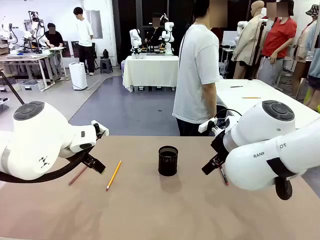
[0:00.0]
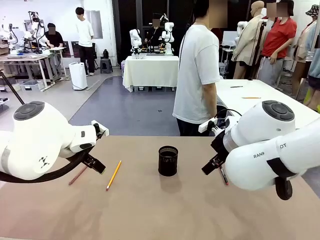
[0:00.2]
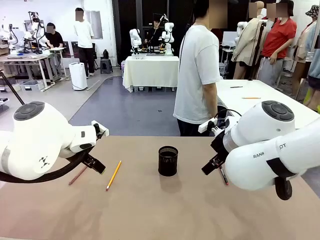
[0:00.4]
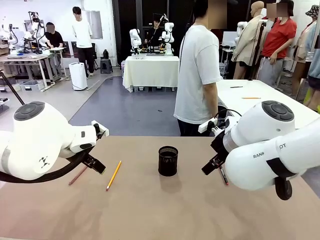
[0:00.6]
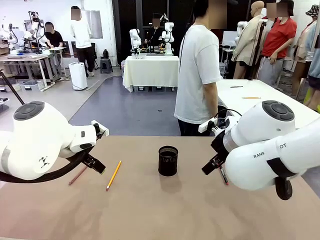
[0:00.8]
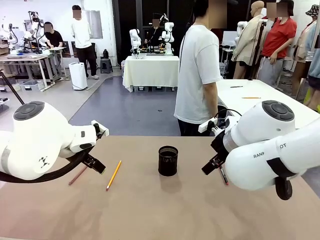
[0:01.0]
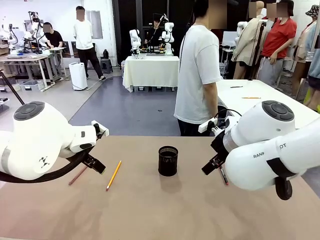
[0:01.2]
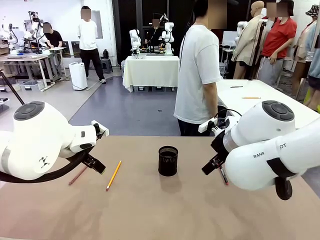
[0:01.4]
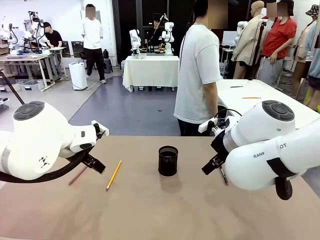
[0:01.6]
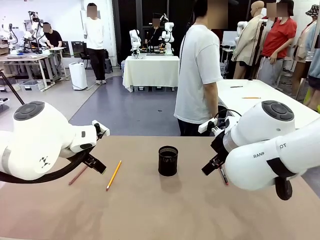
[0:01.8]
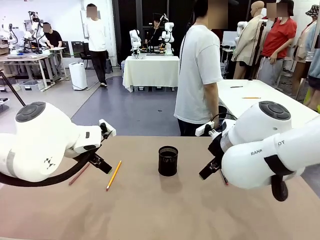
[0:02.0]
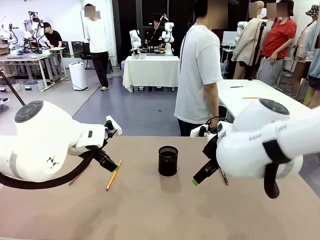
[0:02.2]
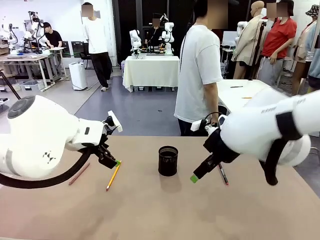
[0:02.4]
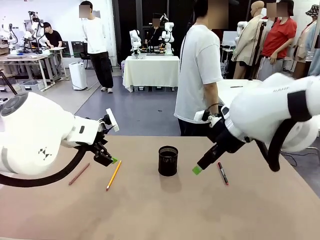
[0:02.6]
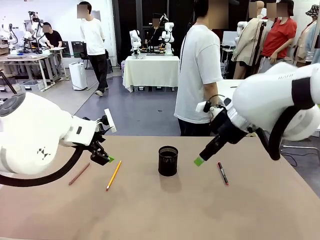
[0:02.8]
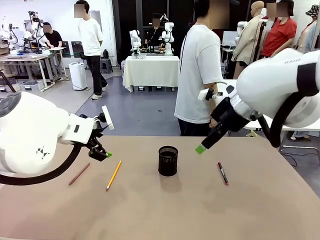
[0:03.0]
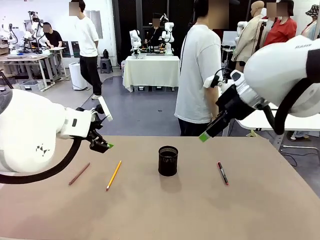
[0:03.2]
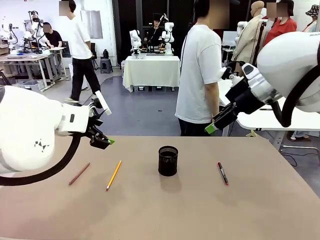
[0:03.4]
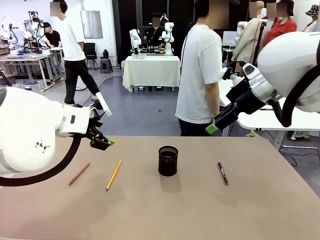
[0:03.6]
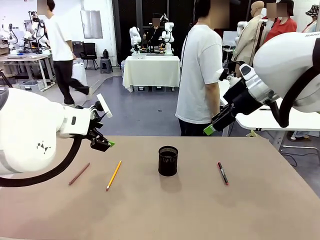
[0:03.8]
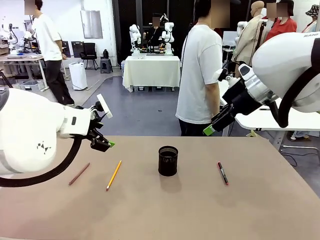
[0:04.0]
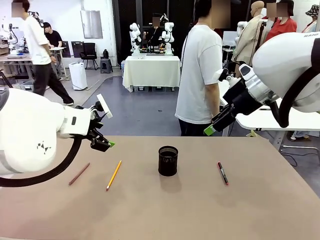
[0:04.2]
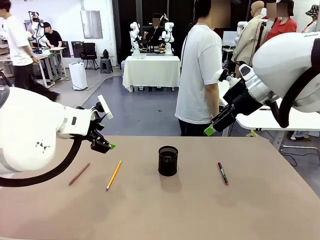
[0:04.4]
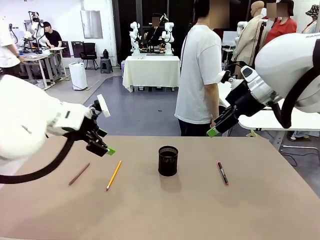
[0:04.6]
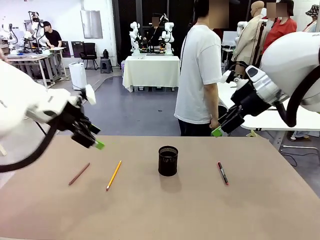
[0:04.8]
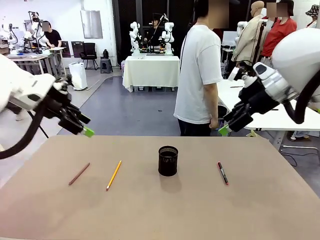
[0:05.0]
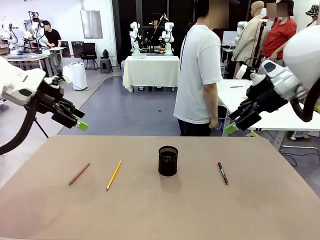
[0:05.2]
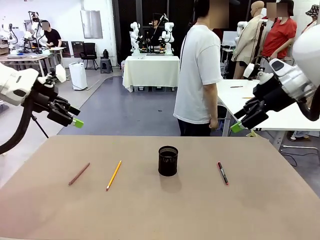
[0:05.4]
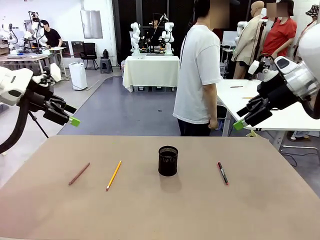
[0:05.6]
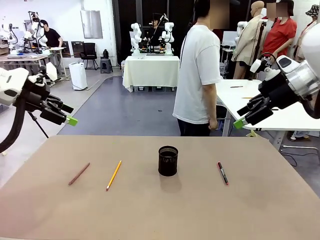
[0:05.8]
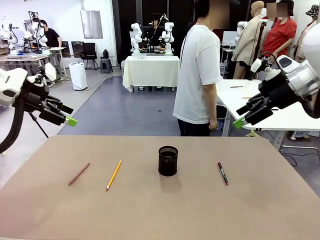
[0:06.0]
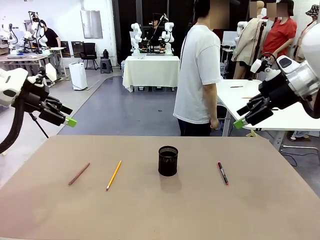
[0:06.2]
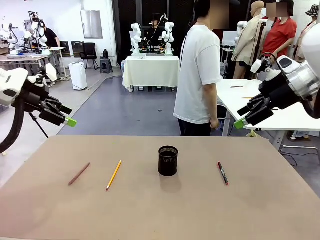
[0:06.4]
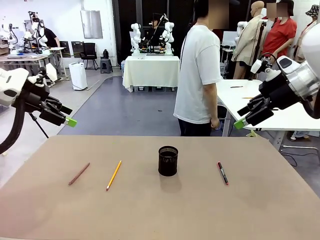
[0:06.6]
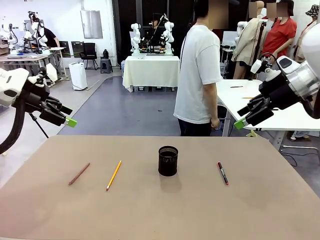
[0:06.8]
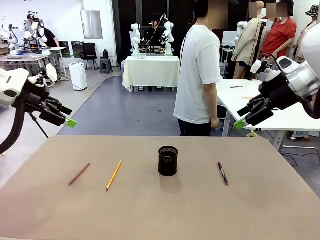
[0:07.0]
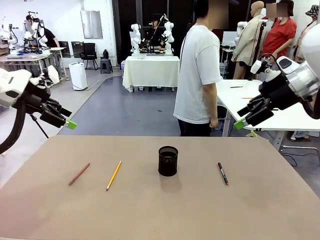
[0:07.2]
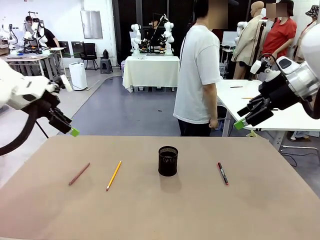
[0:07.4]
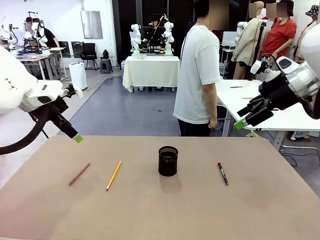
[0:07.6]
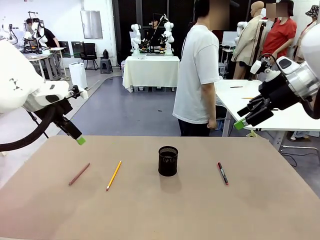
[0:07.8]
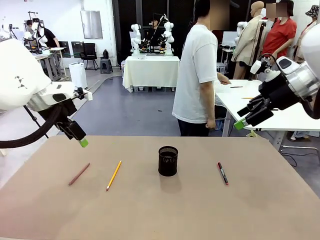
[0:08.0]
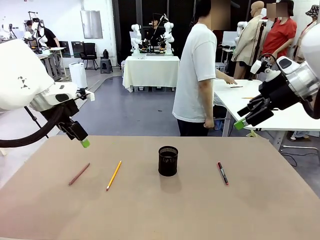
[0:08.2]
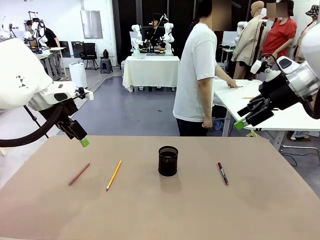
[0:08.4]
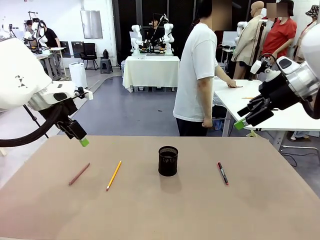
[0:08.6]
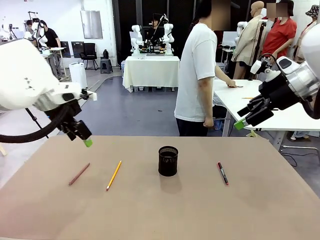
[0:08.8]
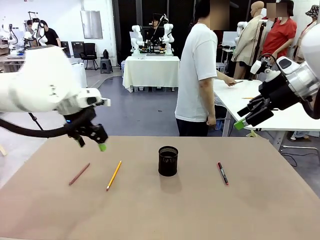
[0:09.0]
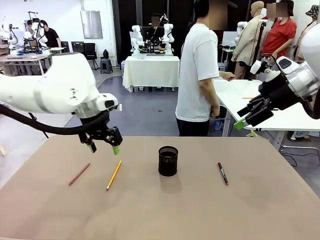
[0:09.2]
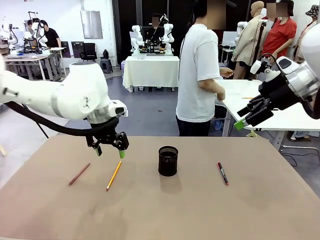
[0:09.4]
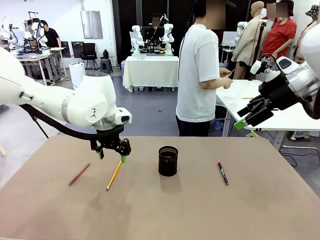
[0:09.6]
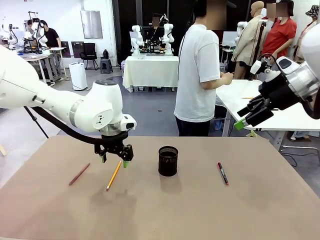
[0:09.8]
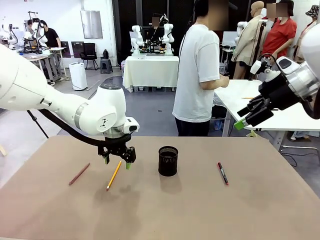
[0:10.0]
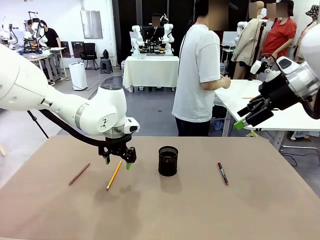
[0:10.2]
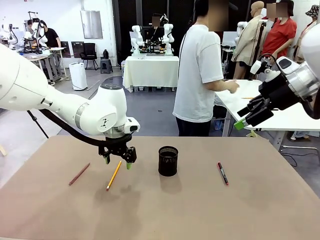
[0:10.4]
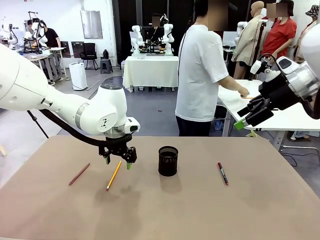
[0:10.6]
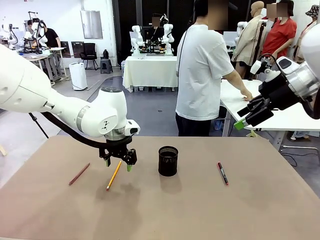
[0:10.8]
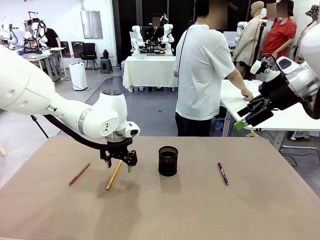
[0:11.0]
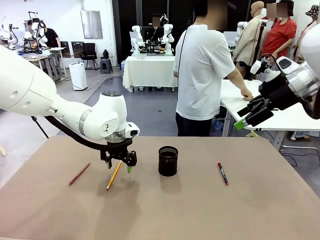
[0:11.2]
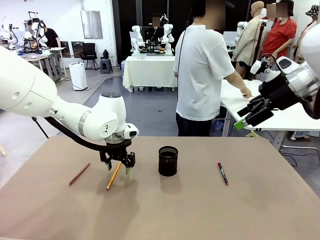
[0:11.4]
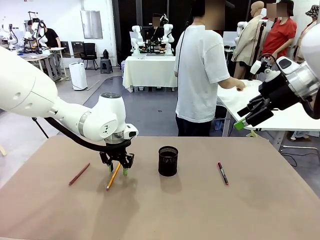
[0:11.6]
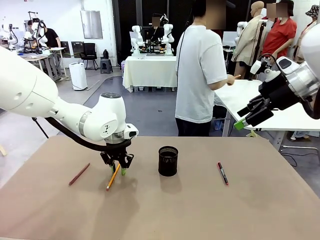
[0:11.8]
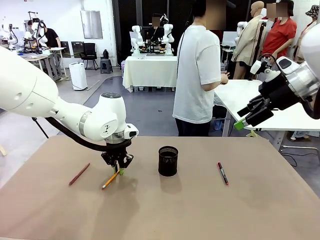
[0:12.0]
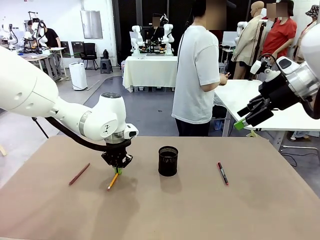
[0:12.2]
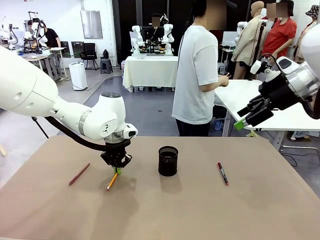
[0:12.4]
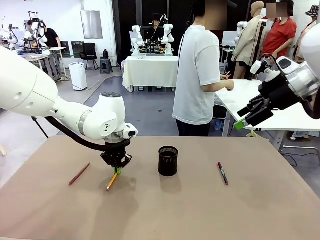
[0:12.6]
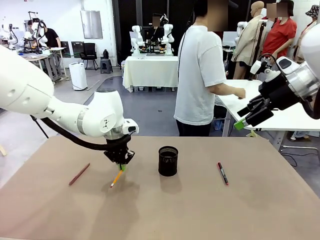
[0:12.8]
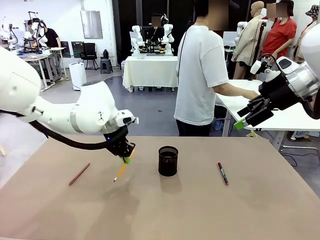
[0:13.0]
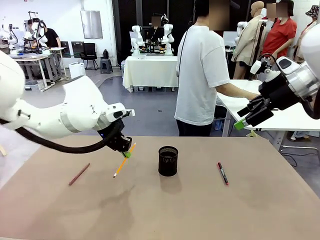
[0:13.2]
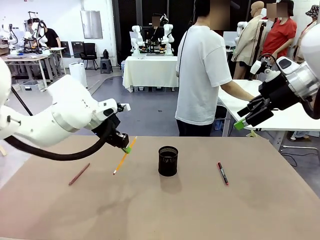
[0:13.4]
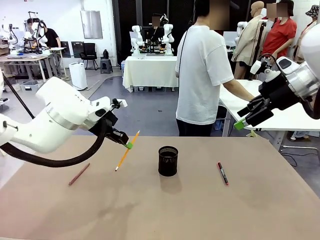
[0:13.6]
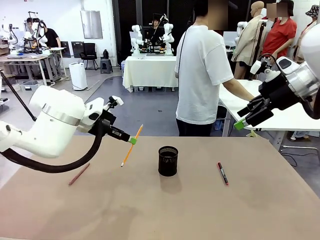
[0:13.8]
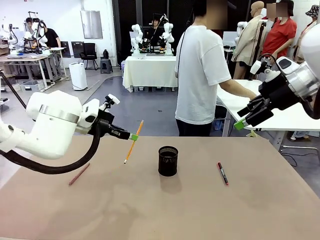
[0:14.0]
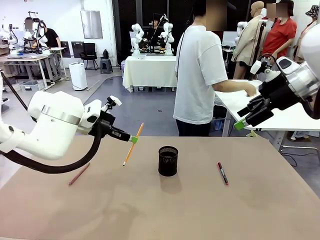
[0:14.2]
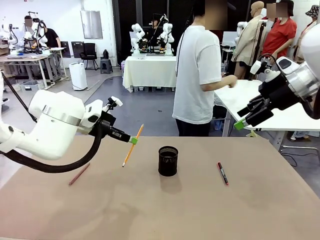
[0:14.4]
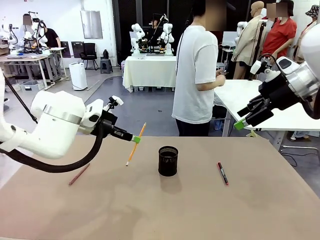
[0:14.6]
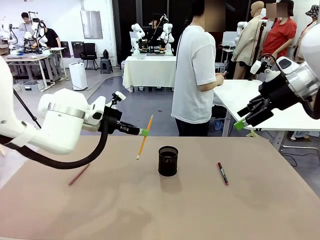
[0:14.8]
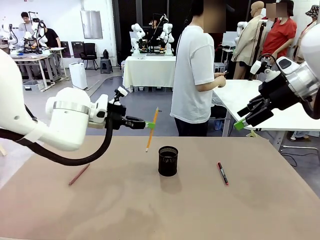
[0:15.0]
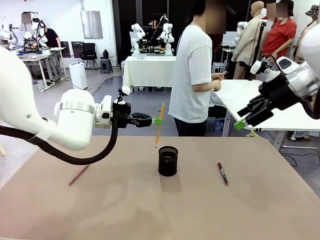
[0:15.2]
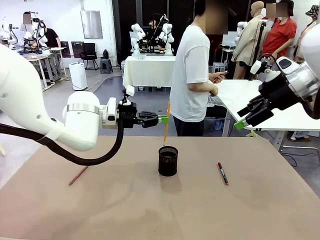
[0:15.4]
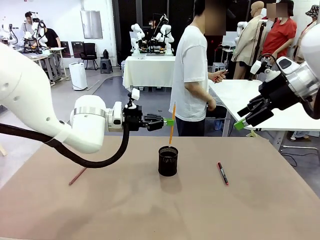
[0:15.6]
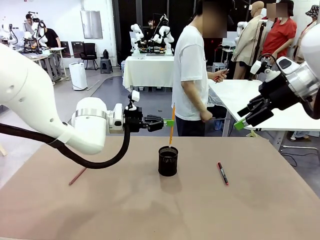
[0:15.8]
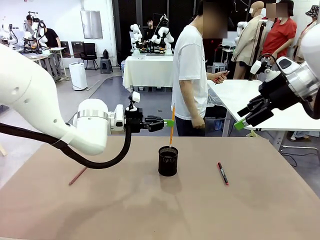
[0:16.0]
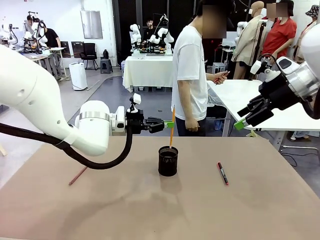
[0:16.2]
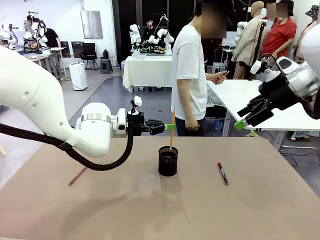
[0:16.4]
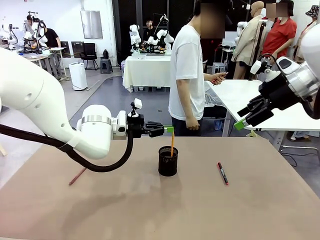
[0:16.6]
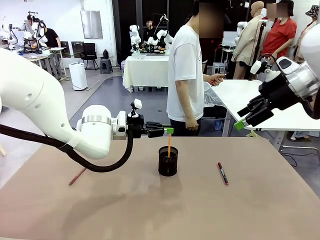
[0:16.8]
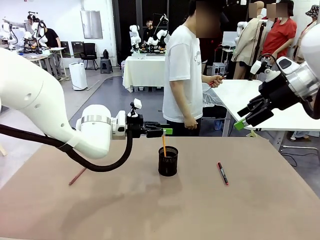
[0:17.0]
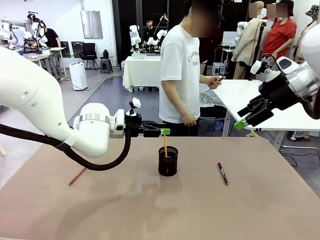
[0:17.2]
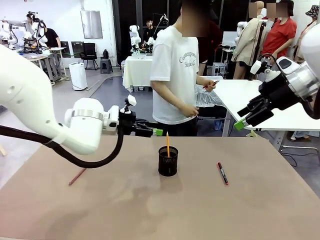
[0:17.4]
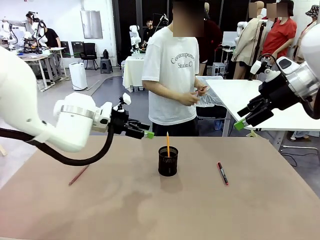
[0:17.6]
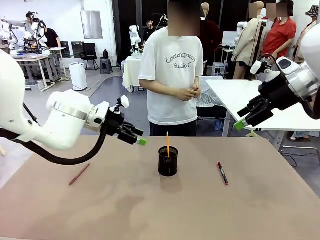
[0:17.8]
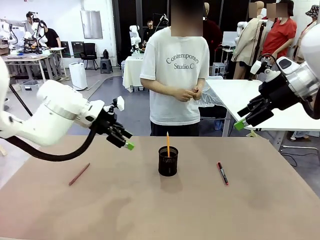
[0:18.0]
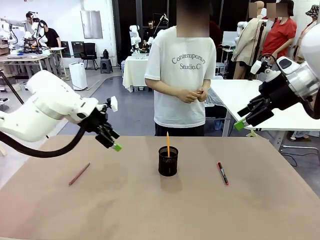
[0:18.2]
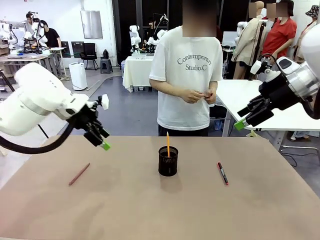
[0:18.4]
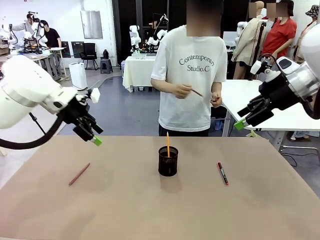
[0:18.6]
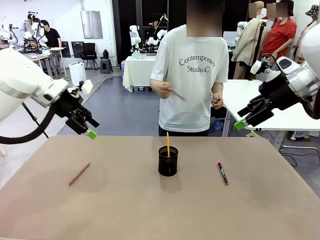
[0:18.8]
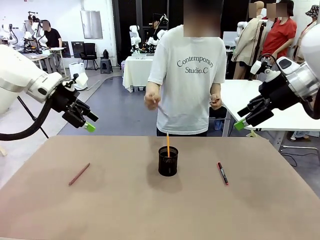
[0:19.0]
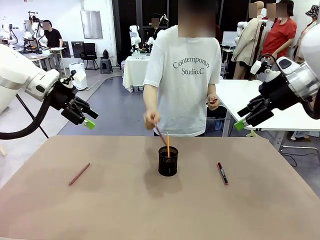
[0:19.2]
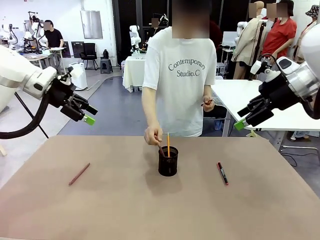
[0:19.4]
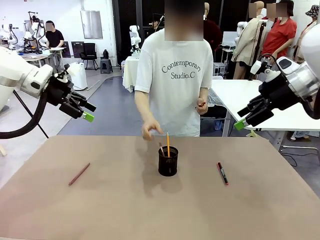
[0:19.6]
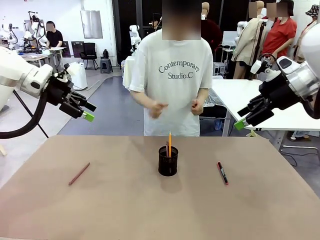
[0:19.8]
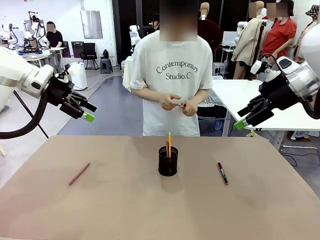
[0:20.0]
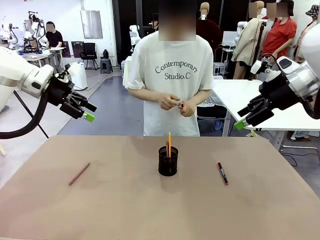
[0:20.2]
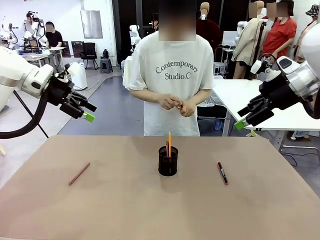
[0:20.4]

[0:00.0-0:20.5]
Task: Place the pens into the pen holder.
Robot: Pick up a writing instrument from the table and place it into the Pen holder.
Person: Pick up all writing instruments from the Human table.
